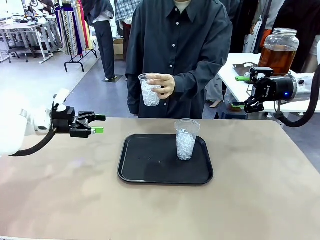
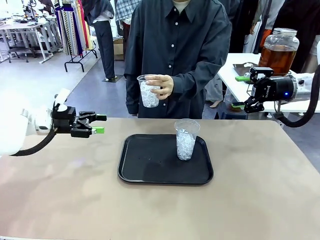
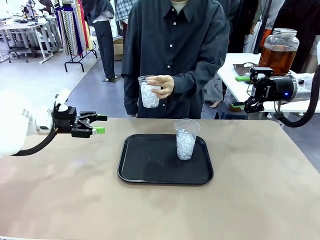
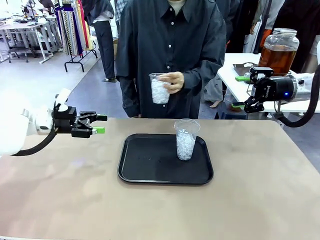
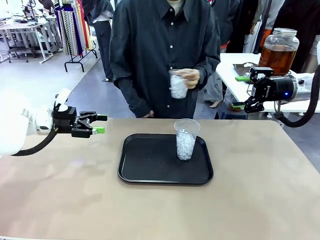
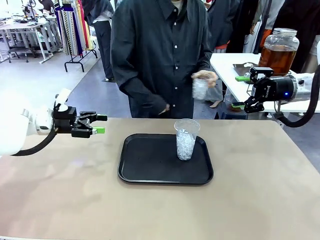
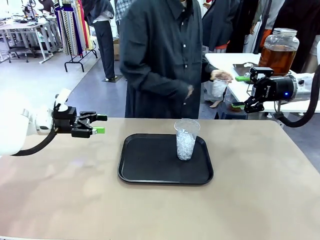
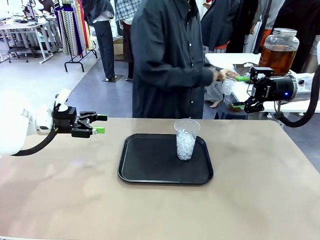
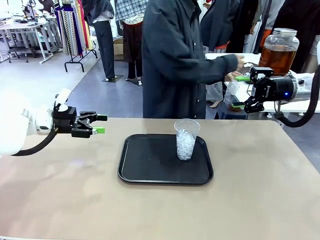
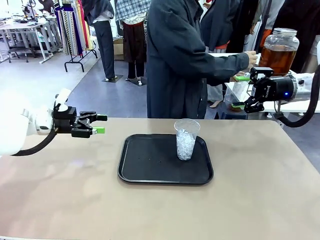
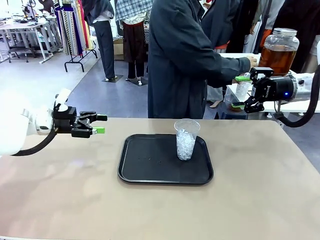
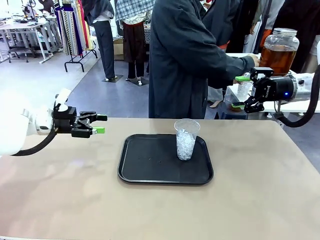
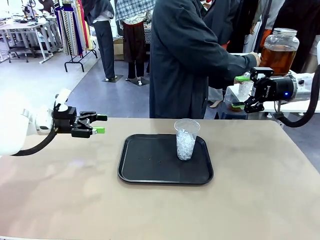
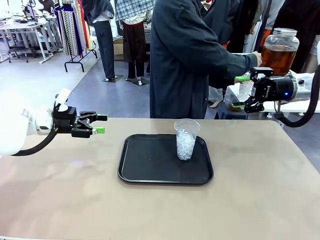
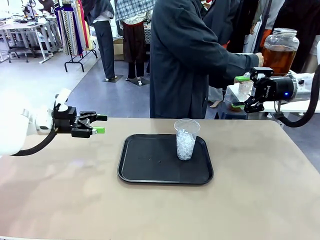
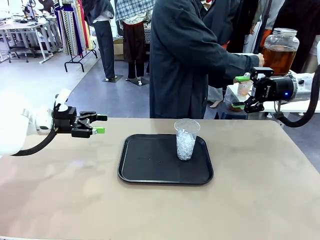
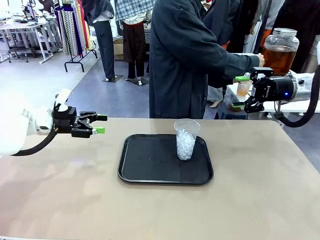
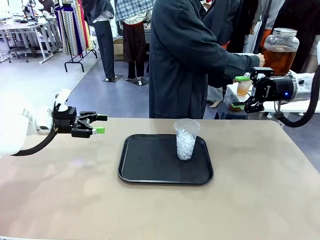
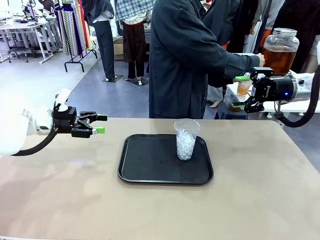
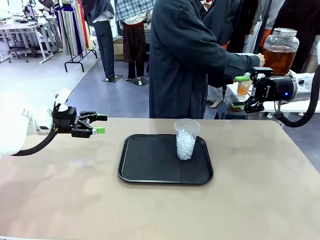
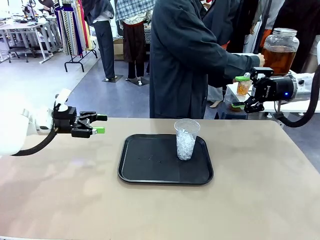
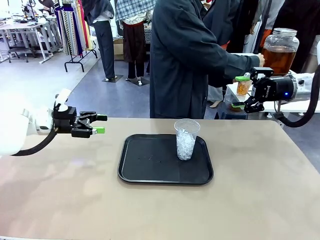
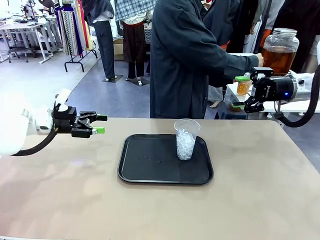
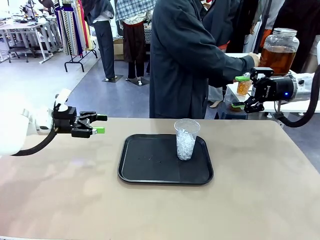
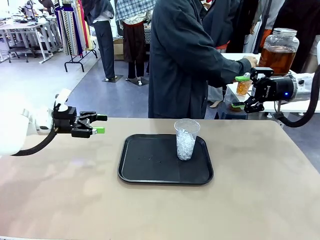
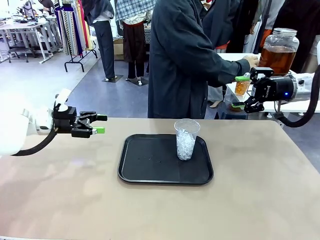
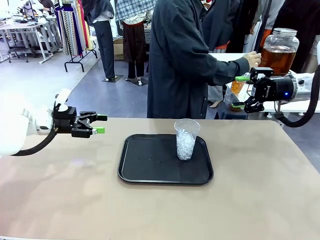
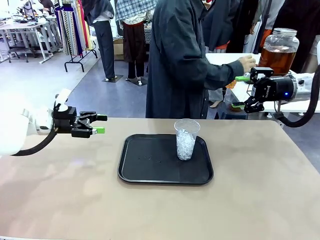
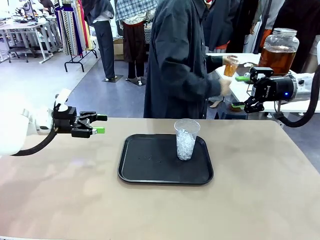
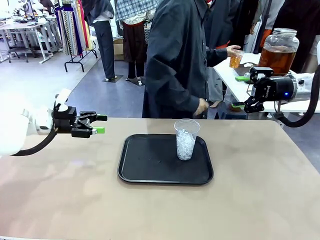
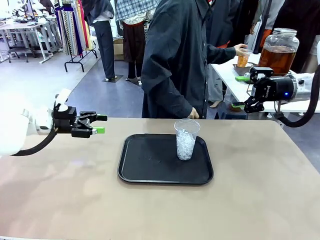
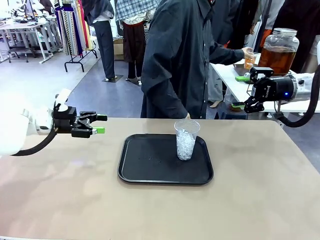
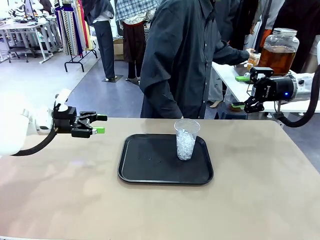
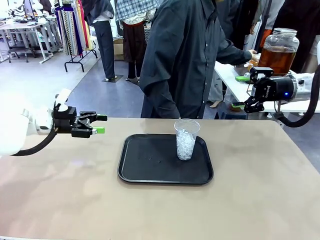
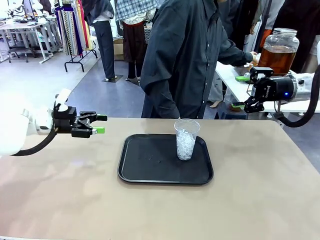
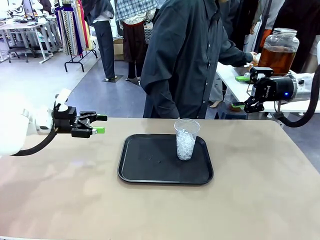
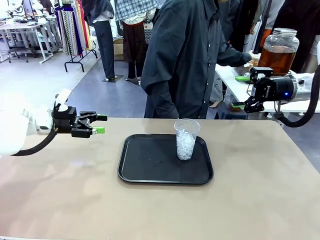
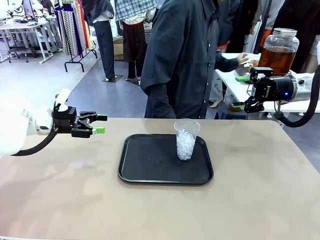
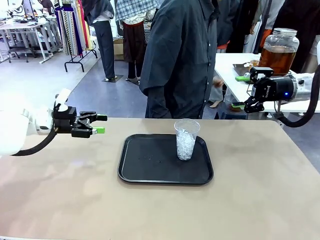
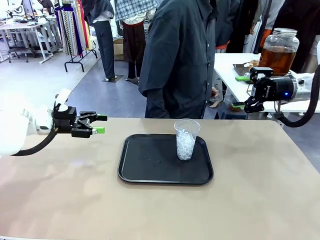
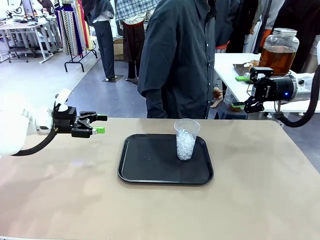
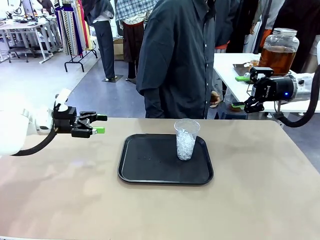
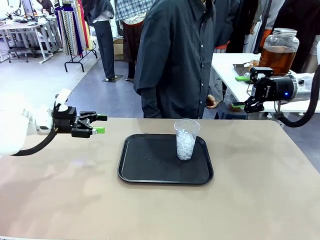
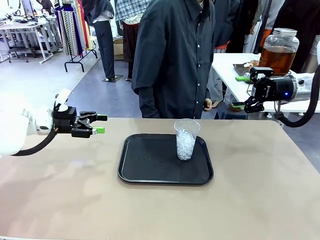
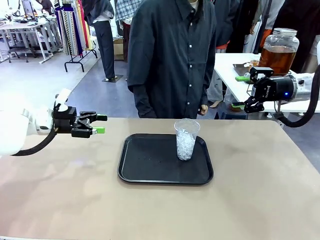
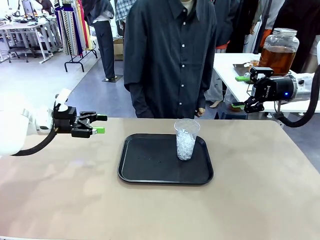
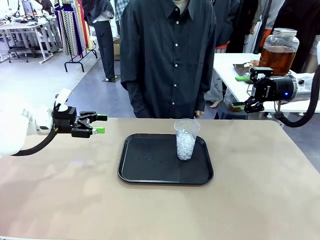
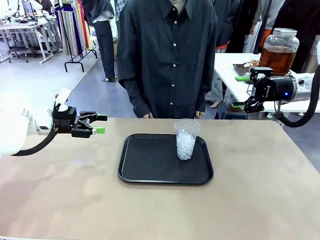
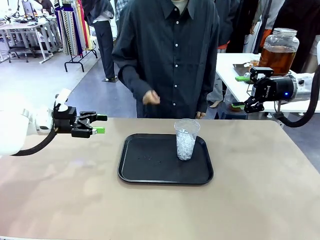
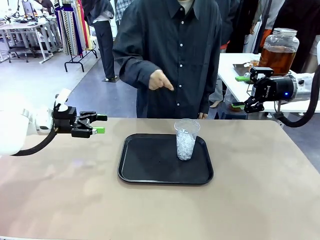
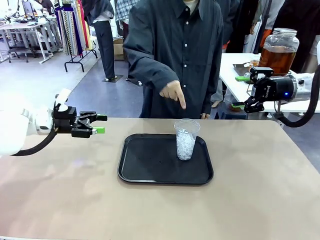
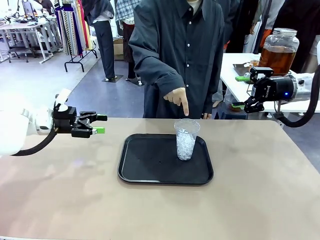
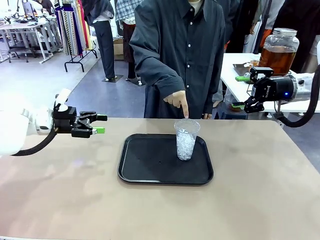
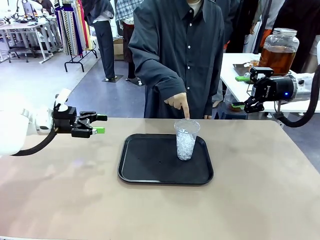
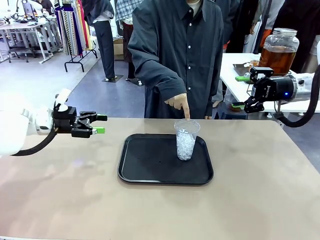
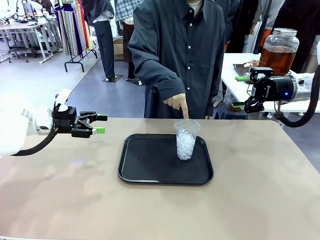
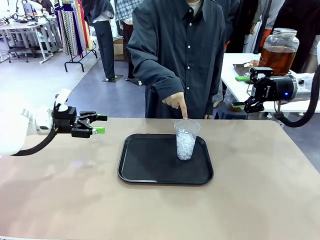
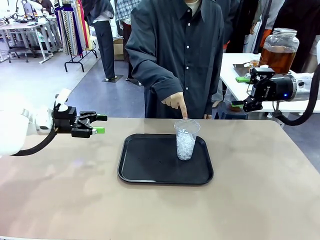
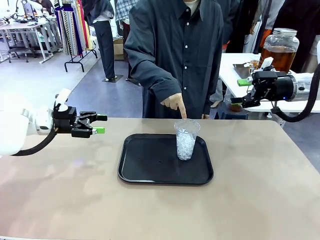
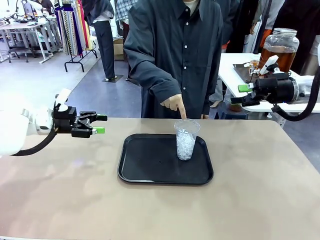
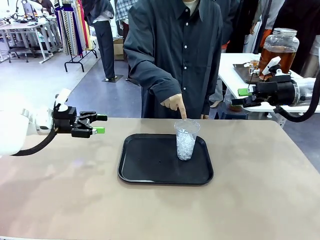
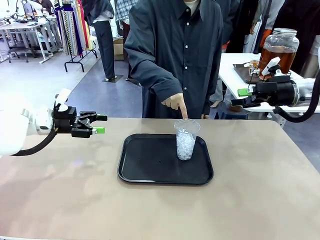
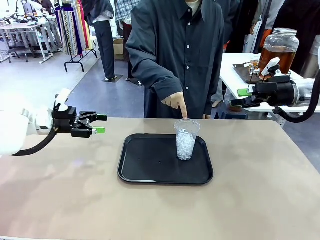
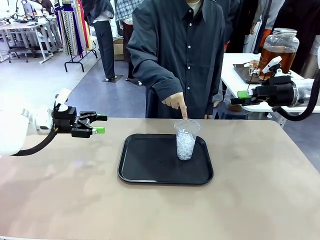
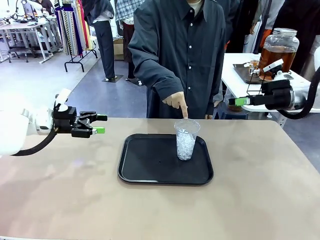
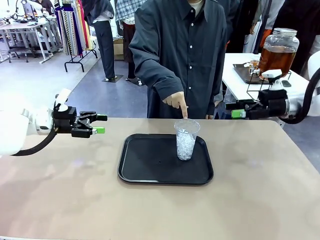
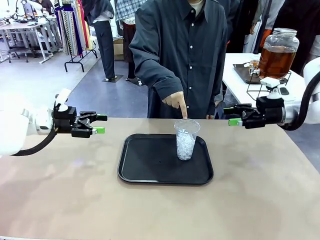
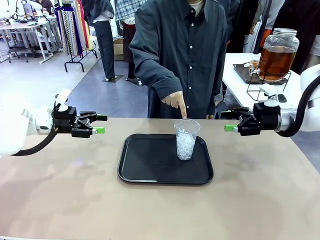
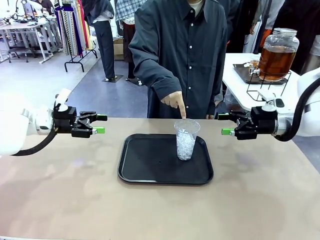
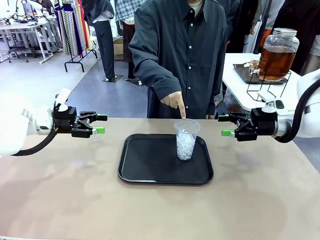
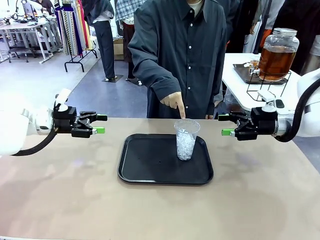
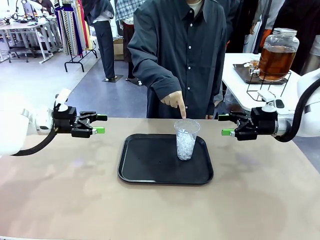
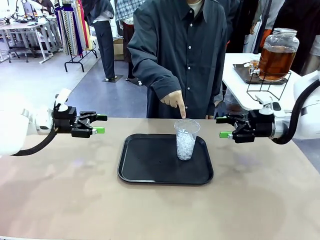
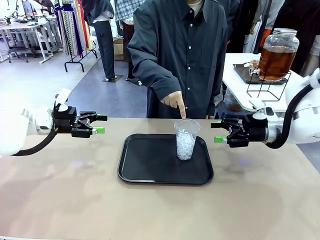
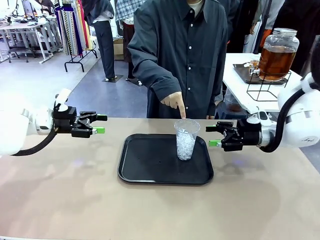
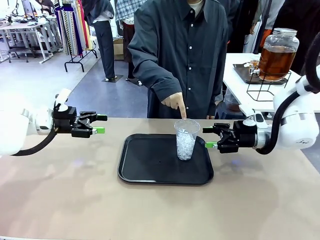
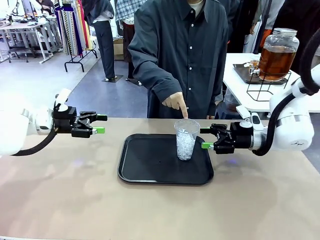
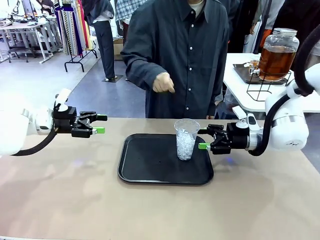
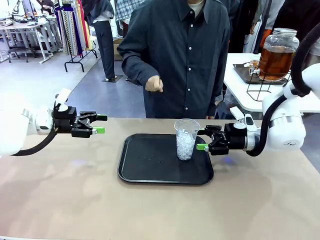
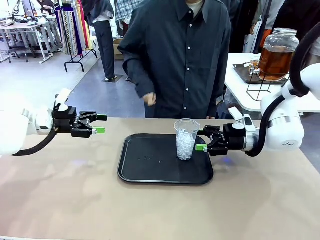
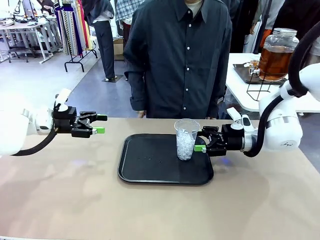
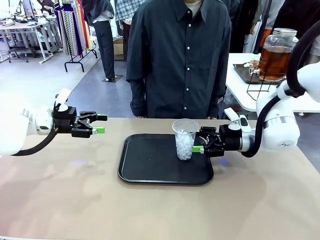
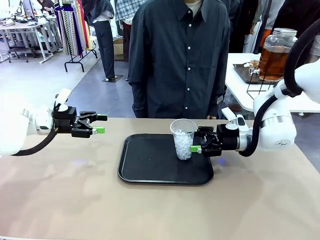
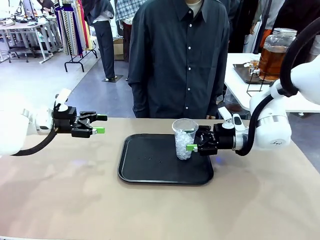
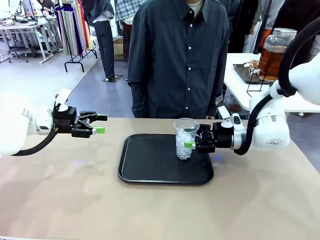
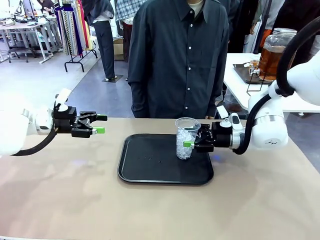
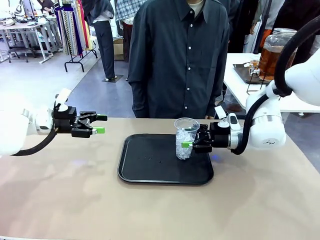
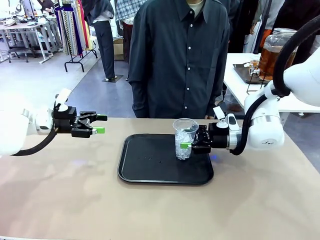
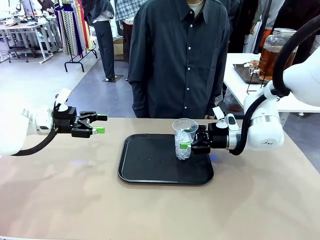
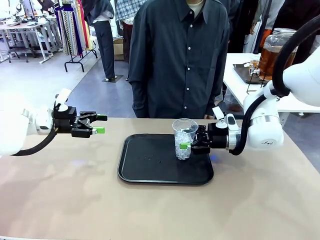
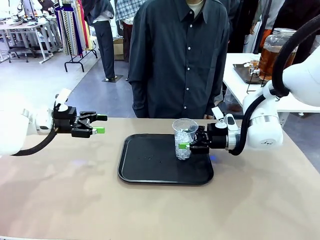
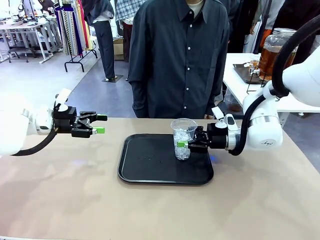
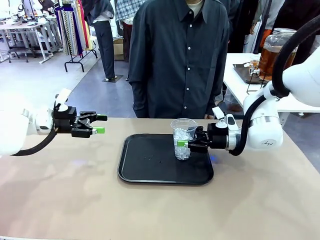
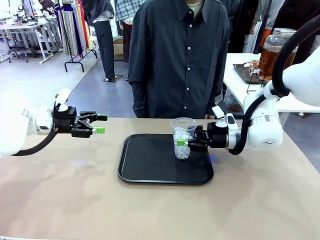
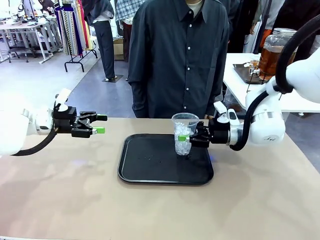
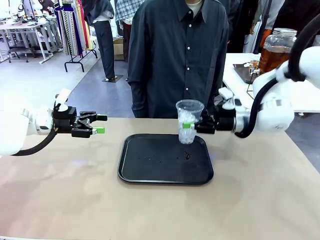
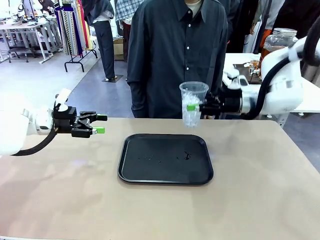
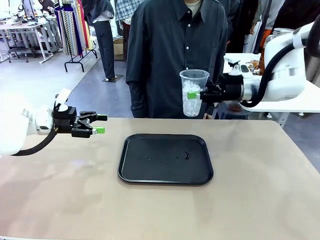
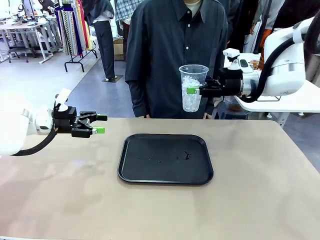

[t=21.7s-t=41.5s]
Task: Pour the drink into the iced cup.
Robot: Pick up the iced cup indicated by the human and present it to them.
Person: Move the picked-up cup under the dispenser faucet, pour the drink, and place it on the tray on the human table. Point to the remaining ice cup on the robot table. Pick up the cup offered by the robot.
